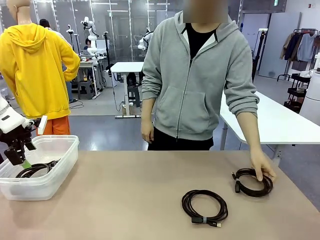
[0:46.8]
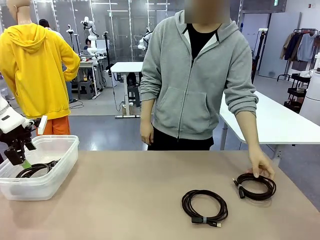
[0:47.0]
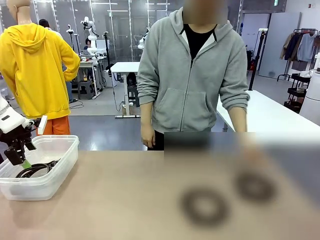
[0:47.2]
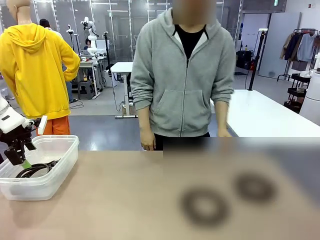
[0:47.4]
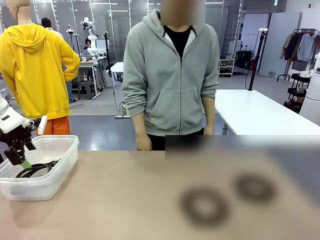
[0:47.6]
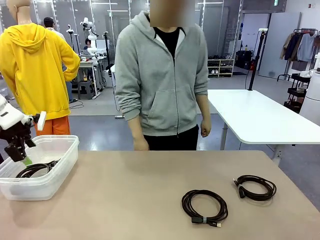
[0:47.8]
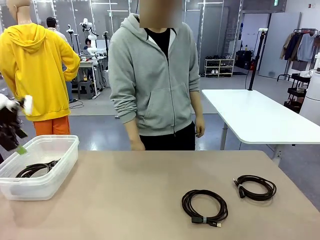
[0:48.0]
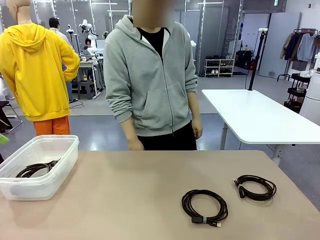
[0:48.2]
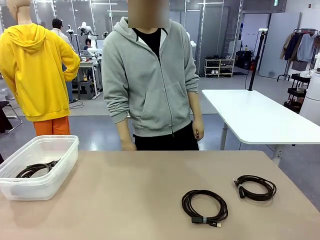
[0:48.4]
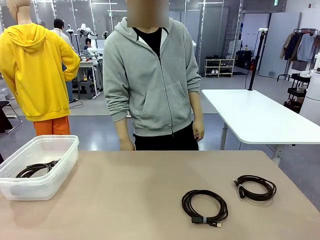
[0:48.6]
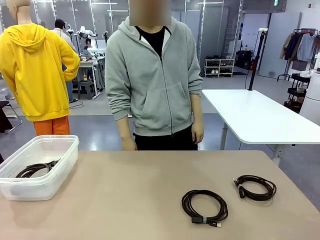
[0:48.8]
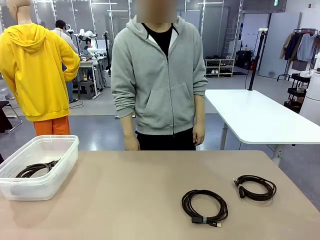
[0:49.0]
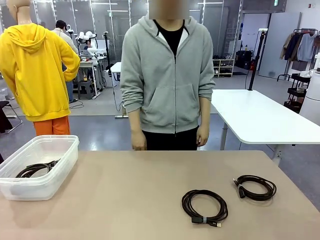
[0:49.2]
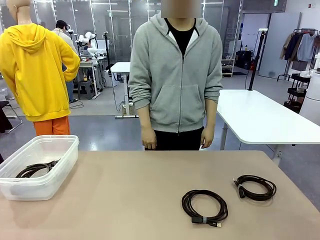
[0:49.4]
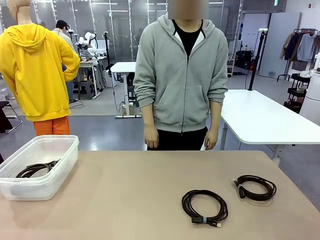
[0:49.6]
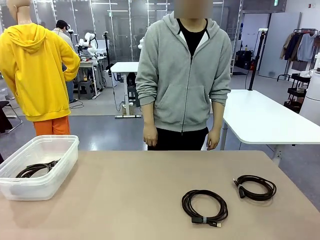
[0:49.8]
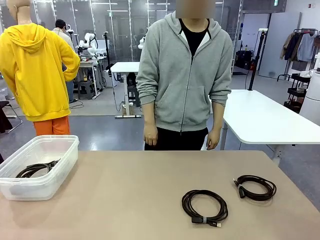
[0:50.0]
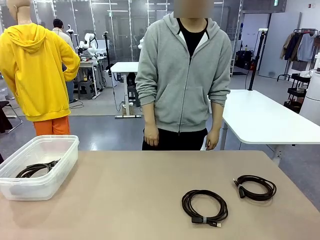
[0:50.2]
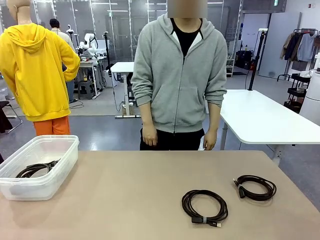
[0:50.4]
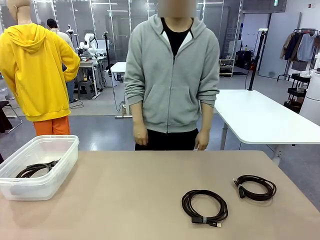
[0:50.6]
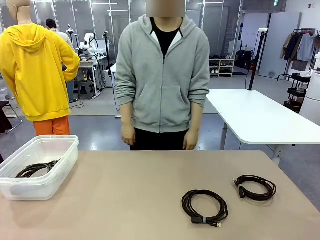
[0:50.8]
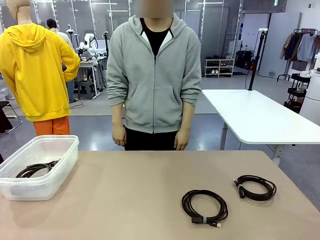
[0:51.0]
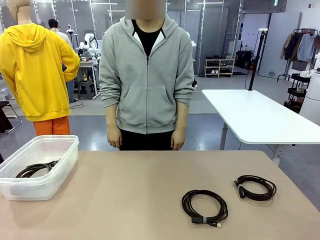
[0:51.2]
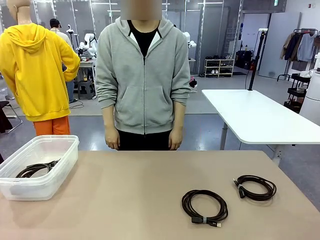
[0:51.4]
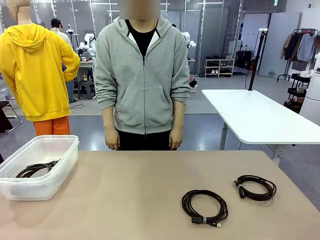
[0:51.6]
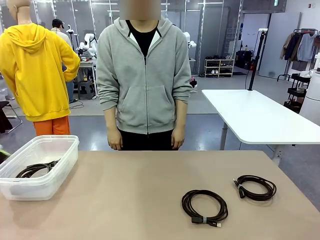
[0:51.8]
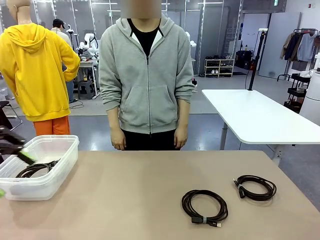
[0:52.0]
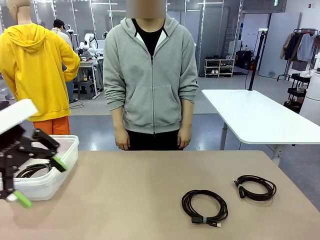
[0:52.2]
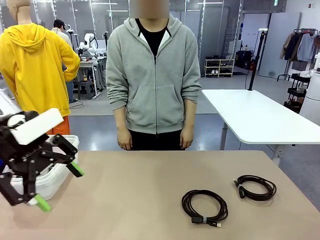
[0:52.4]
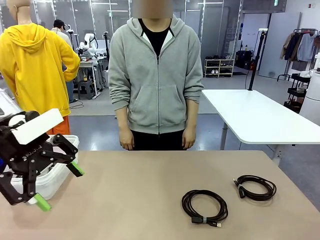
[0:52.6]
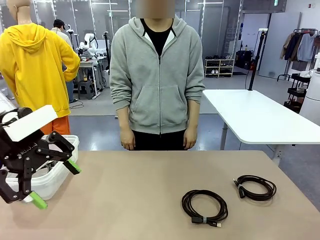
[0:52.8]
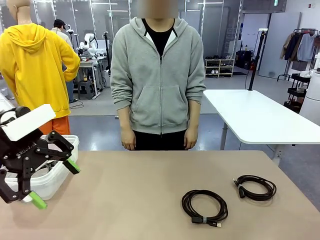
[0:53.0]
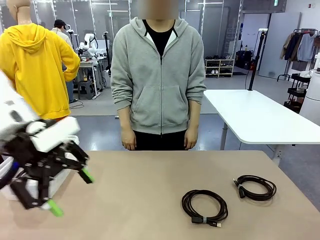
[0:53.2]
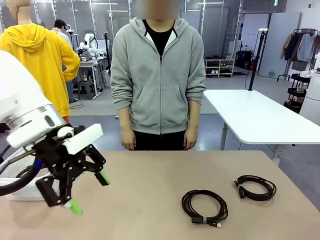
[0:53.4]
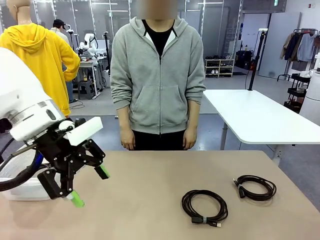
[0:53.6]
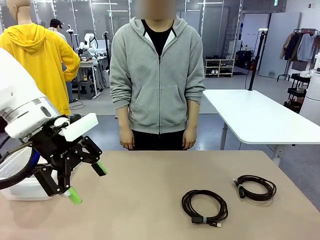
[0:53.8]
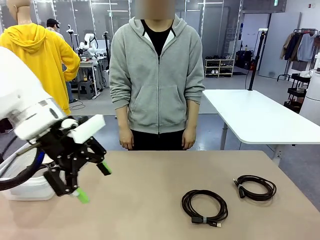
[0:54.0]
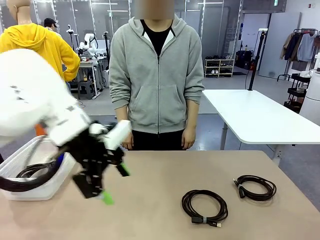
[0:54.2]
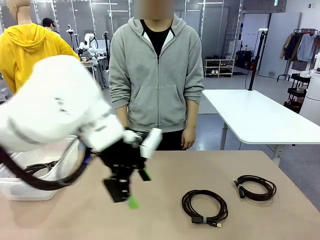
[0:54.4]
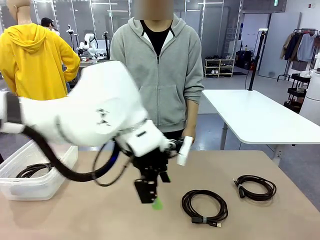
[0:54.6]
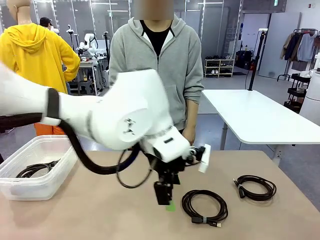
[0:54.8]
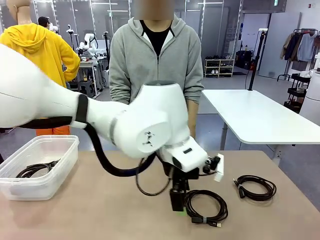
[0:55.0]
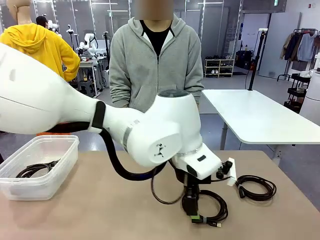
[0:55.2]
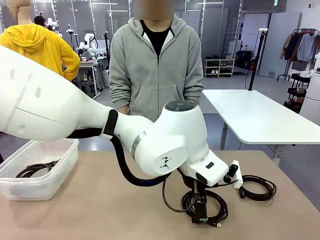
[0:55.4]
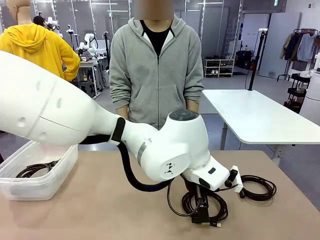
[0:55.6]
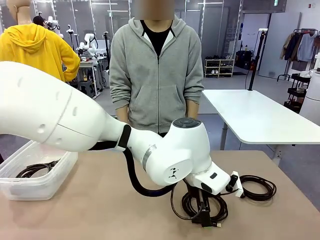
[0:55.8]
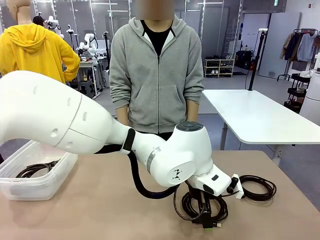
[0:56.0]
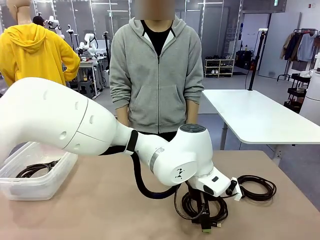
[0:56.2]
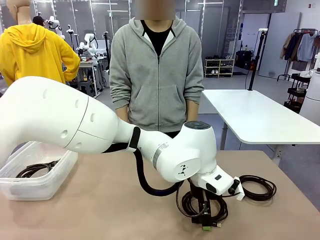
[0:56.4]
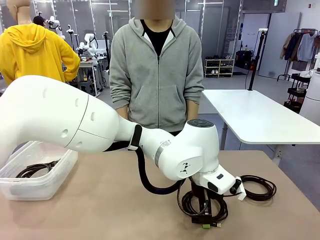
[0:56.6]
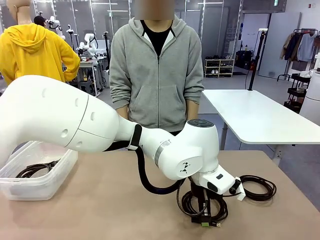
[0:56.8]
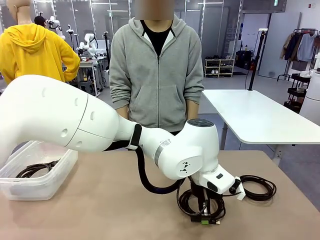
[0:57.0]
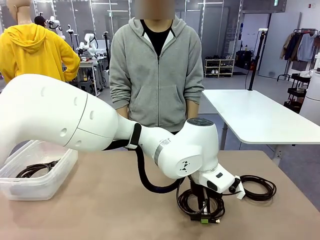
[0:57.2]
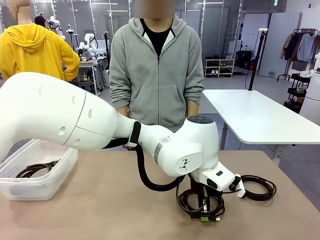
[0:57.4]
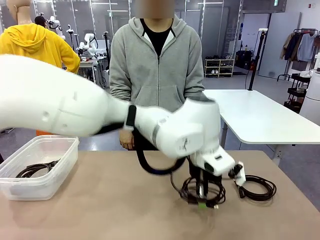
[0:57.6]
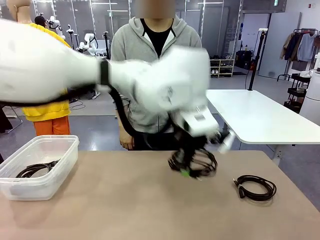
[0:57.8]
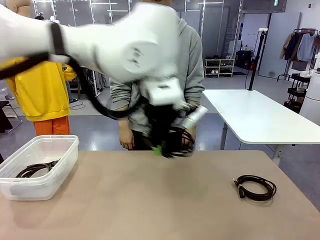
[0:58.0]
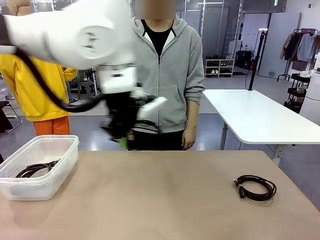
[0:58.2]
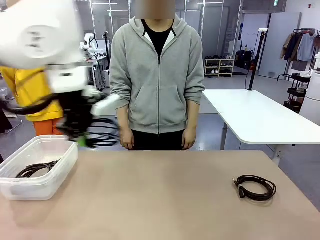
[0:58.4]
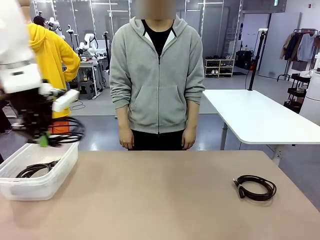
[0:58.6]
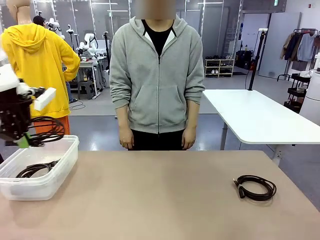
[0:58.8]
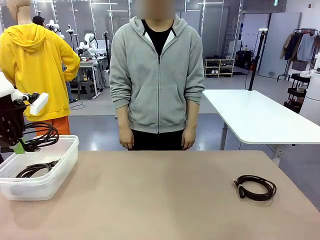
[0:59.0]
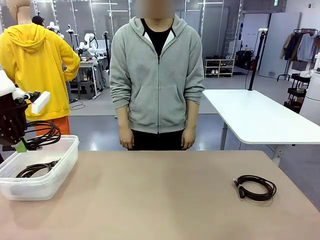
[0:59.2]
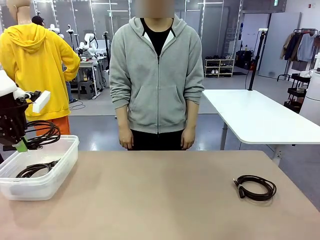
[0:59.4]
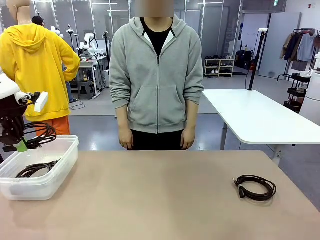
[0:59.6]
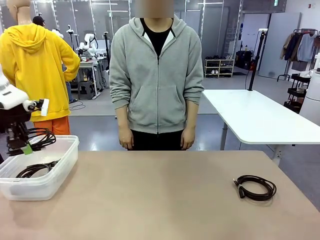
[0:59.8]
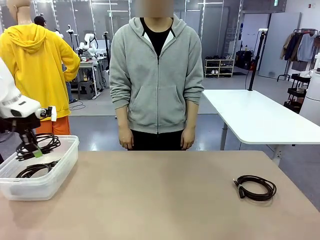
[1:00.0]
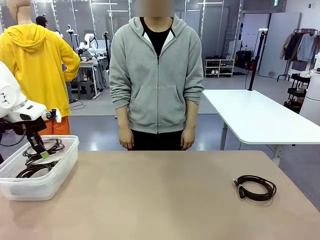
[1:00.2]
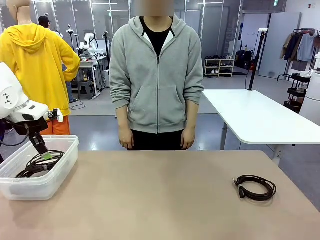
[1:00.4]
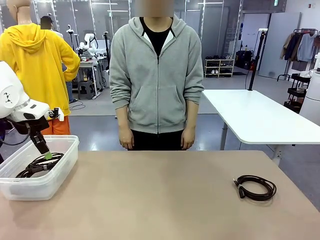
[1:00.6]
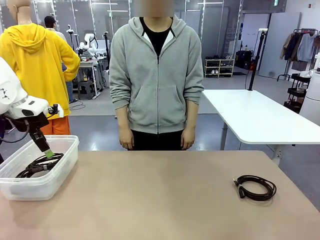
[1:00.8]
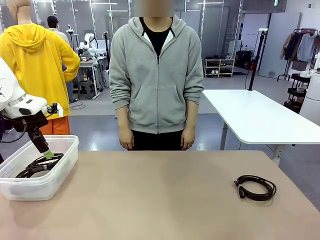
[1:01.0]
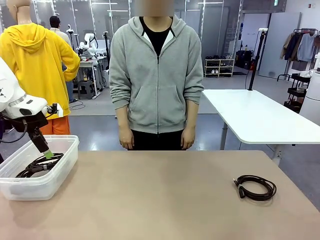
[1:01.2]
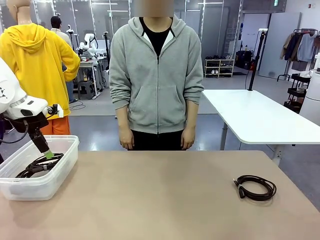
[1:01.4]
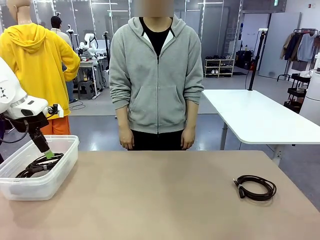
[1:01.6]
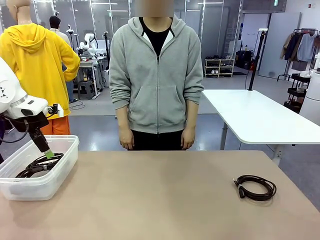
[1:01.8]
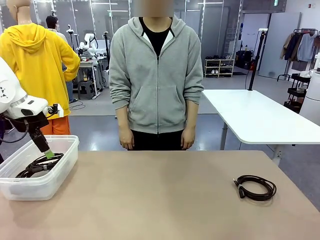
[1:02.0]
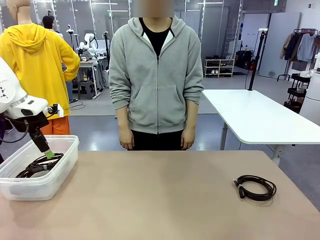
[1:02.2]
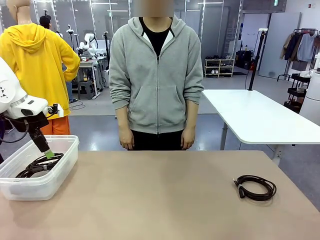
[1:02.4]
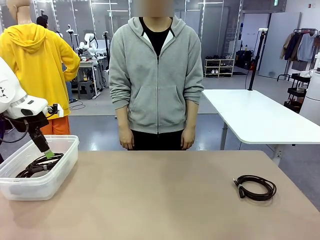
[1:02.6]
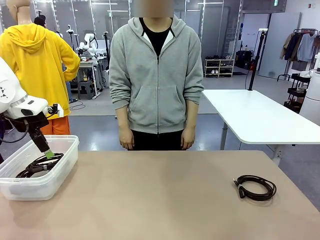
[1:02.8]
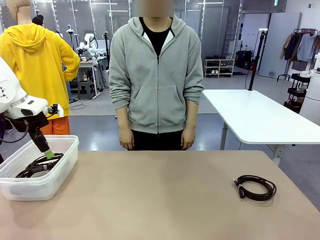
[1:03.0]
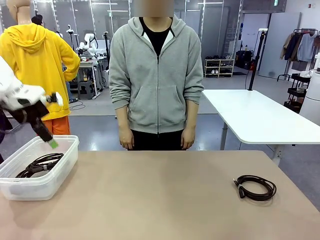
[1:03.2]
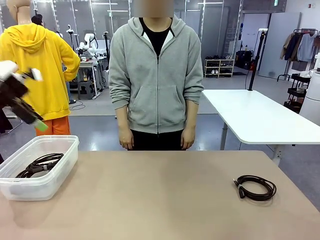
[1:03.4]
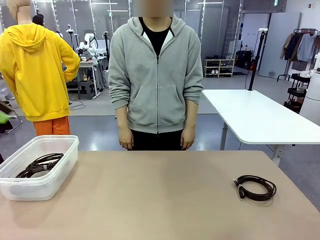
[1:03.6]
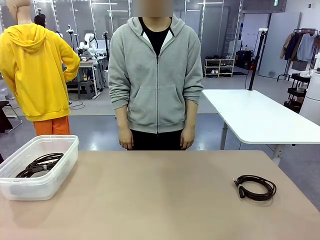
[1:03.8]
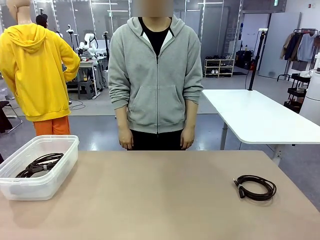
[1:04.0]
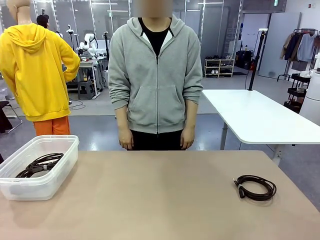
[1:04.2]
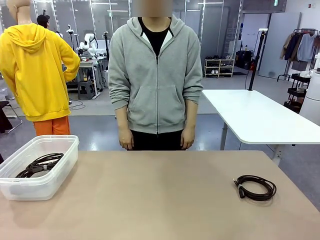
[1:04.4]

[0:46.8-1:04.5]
Task: Organize and store the cables.
Robot: Place the USB Extension Cable into the Organizing box.
